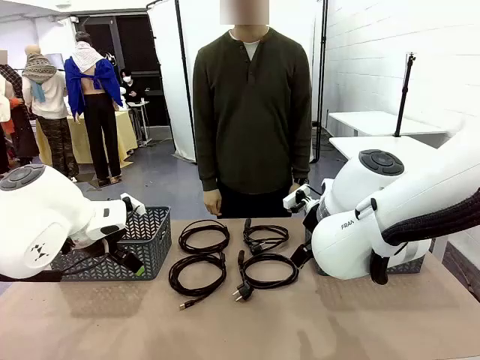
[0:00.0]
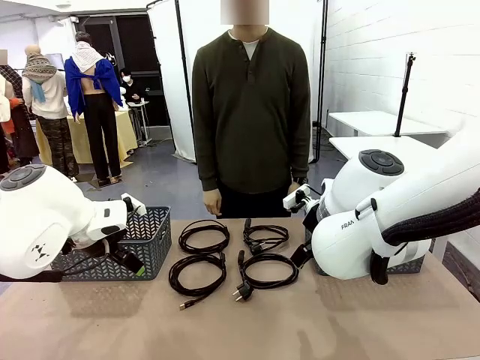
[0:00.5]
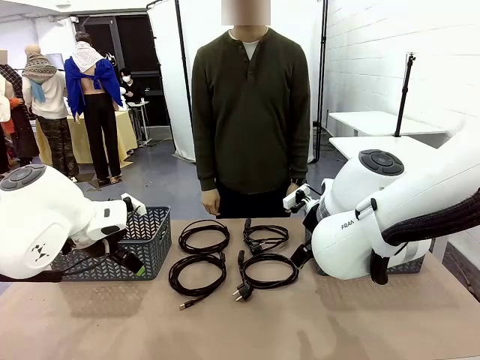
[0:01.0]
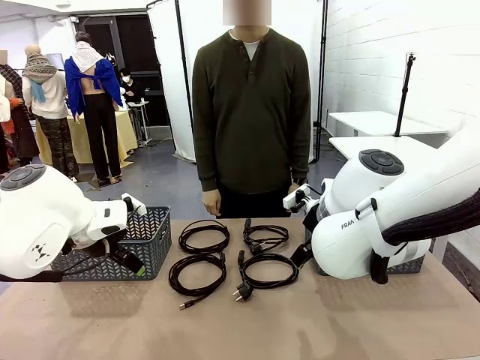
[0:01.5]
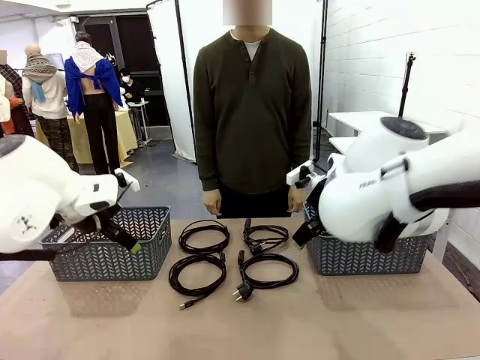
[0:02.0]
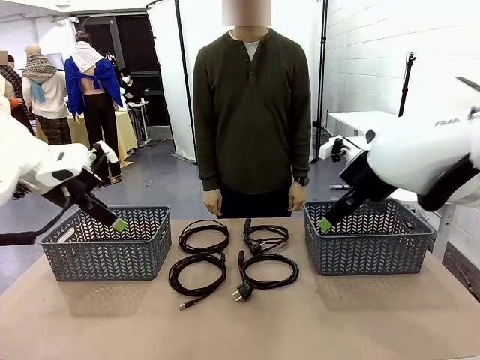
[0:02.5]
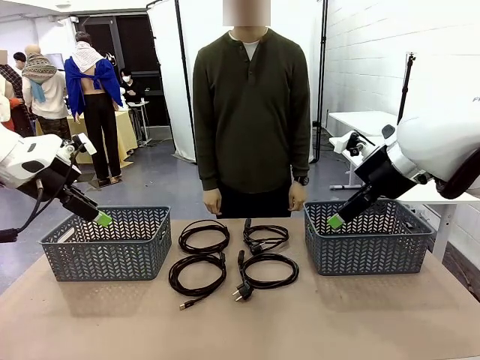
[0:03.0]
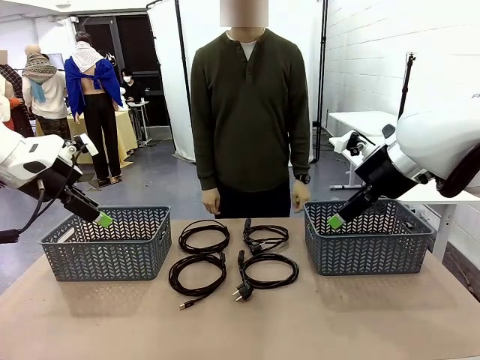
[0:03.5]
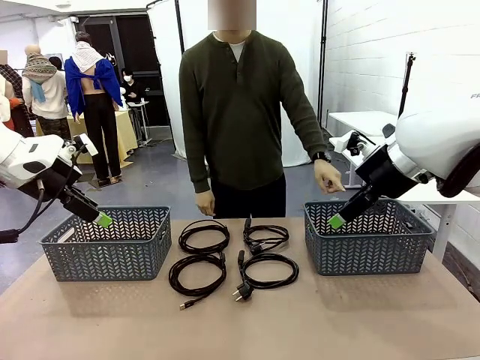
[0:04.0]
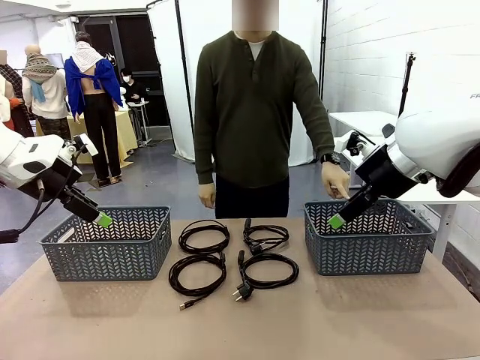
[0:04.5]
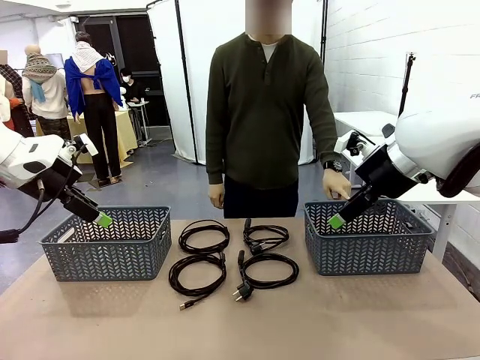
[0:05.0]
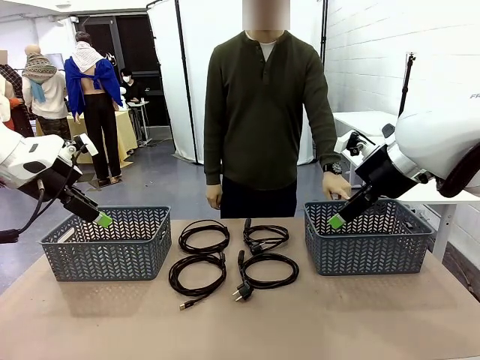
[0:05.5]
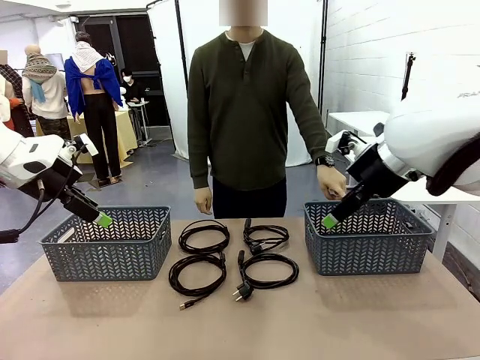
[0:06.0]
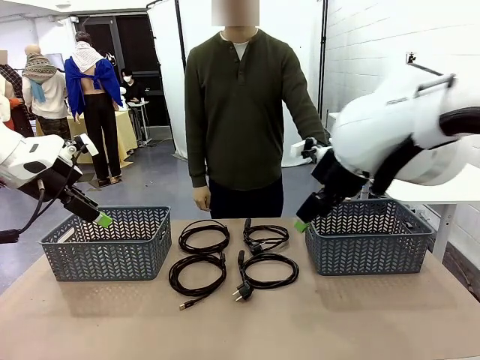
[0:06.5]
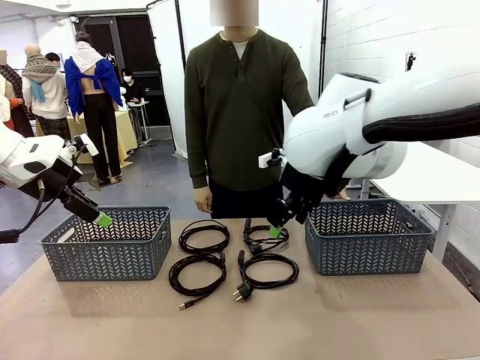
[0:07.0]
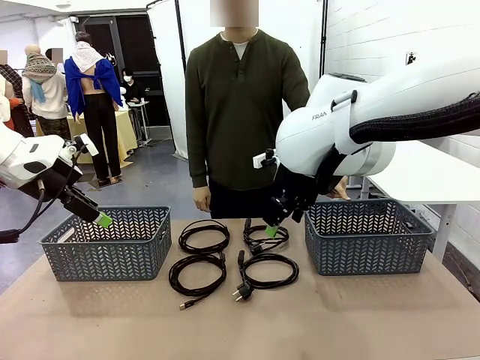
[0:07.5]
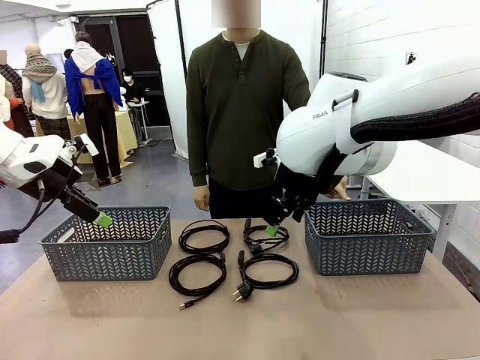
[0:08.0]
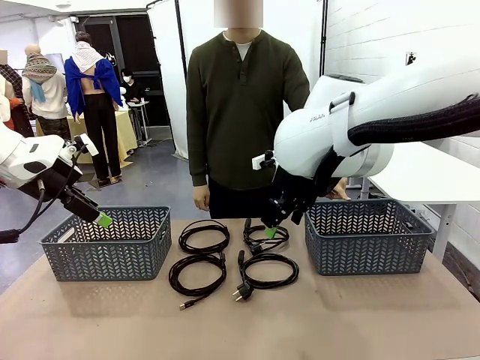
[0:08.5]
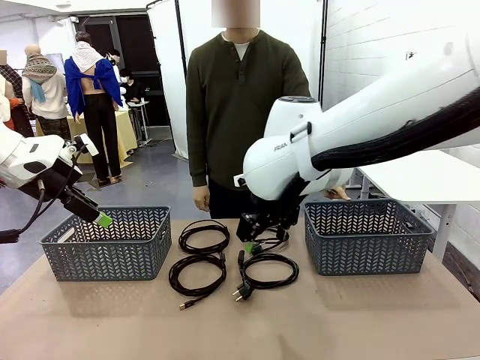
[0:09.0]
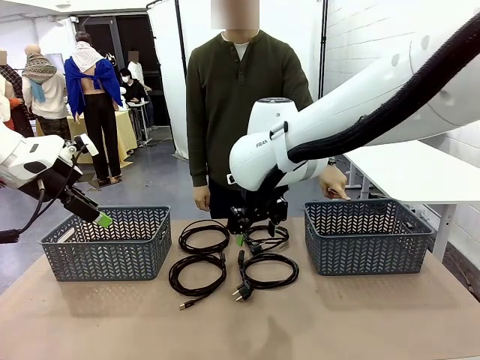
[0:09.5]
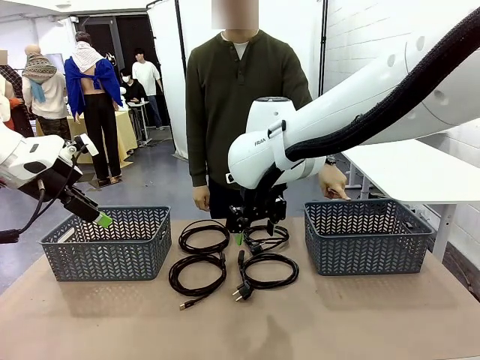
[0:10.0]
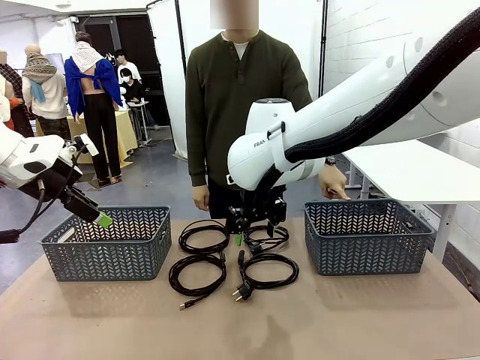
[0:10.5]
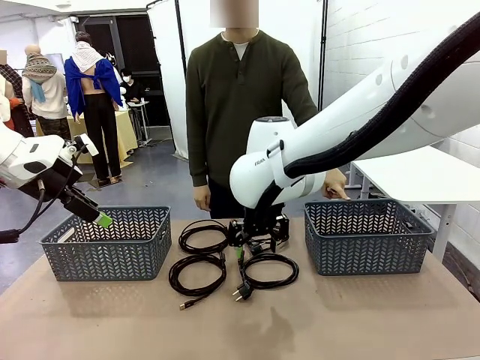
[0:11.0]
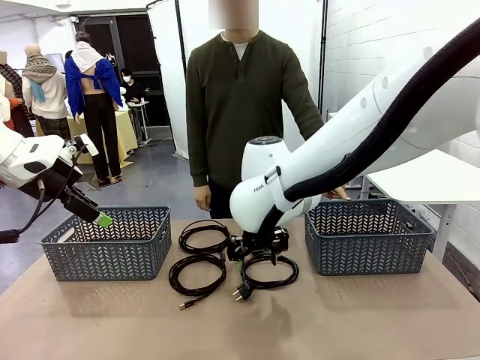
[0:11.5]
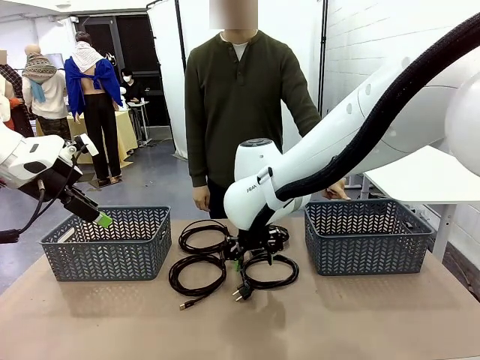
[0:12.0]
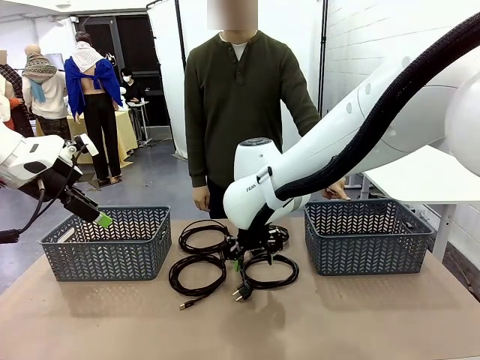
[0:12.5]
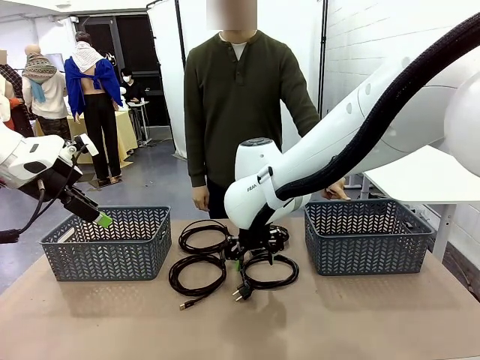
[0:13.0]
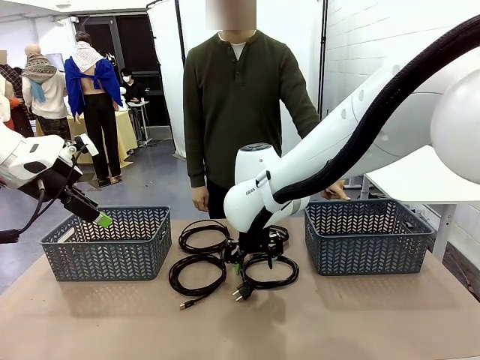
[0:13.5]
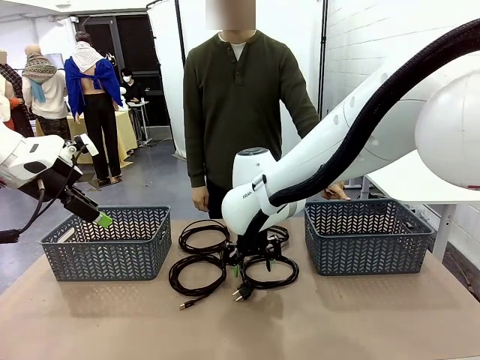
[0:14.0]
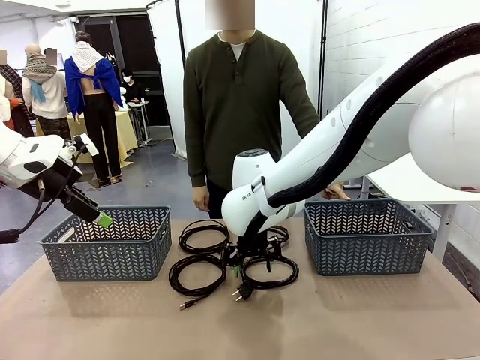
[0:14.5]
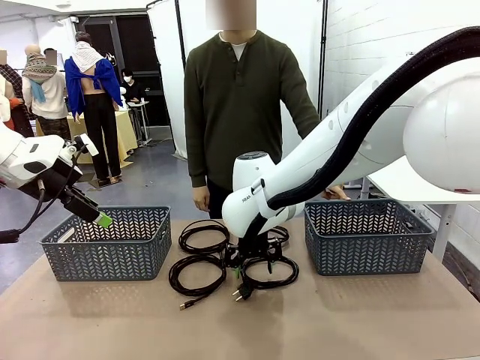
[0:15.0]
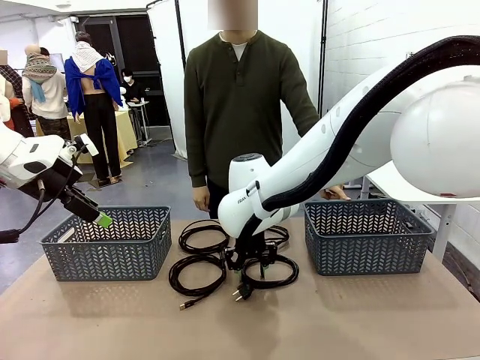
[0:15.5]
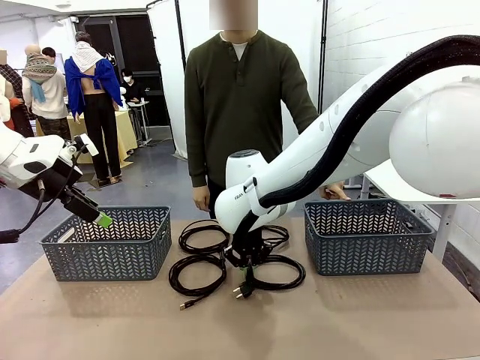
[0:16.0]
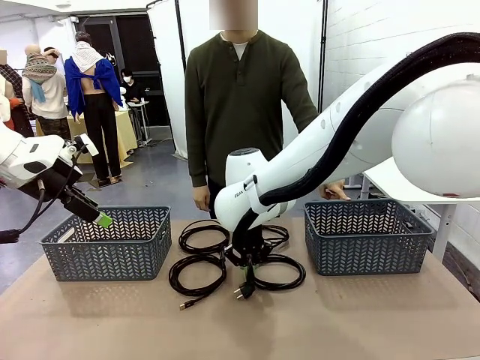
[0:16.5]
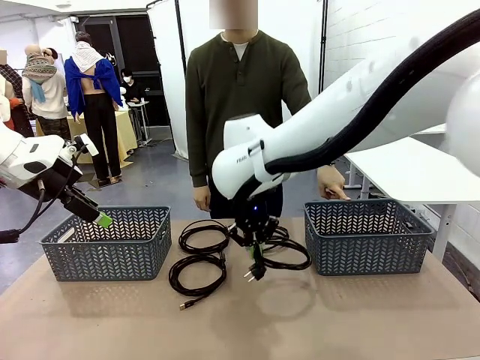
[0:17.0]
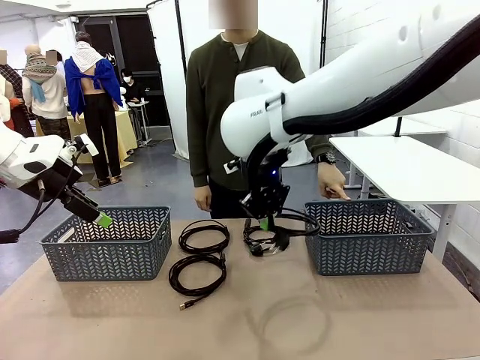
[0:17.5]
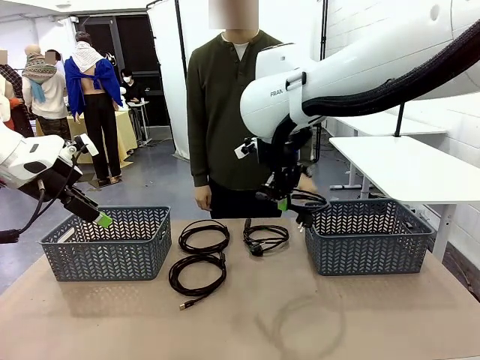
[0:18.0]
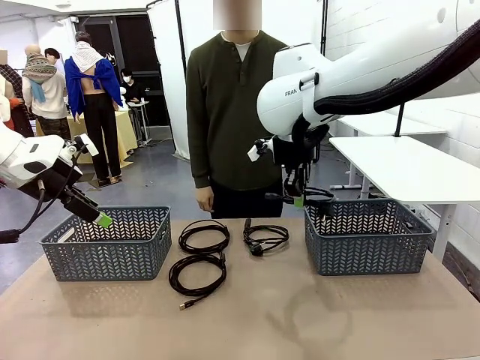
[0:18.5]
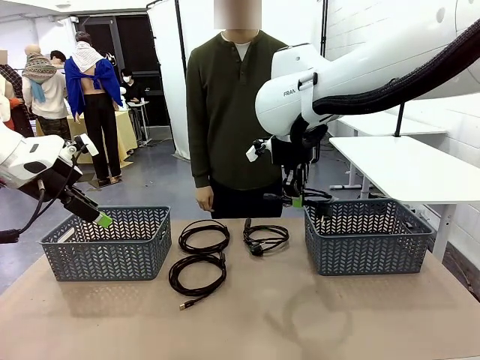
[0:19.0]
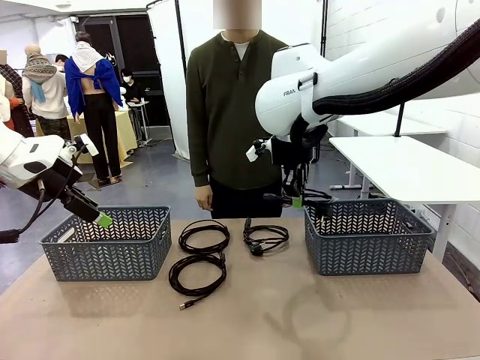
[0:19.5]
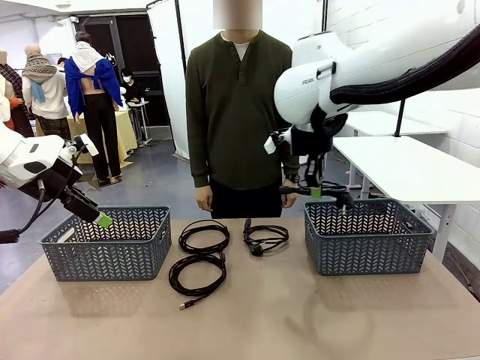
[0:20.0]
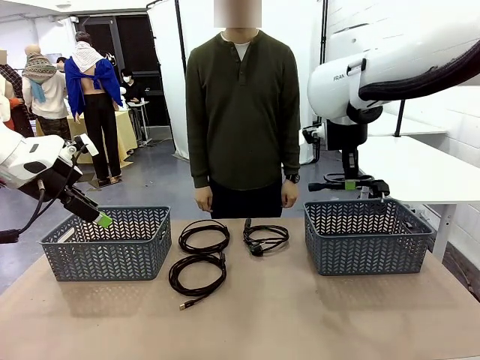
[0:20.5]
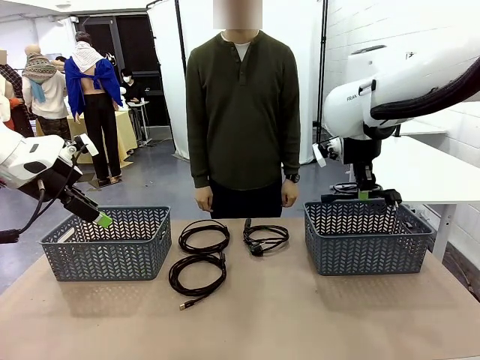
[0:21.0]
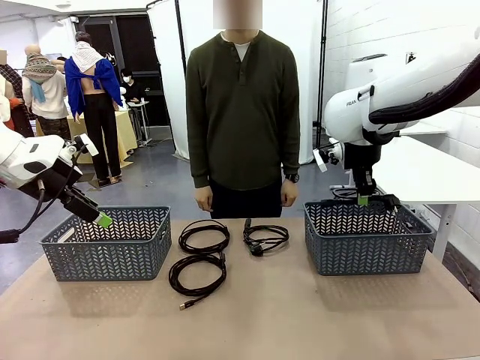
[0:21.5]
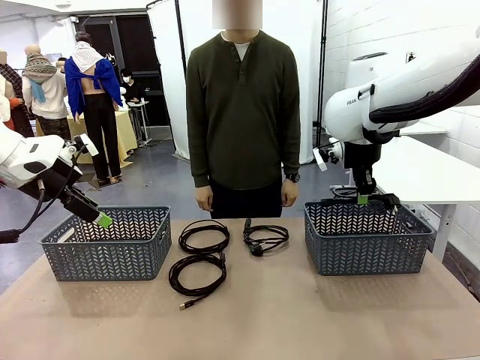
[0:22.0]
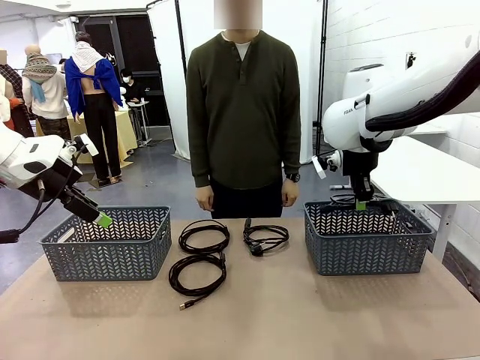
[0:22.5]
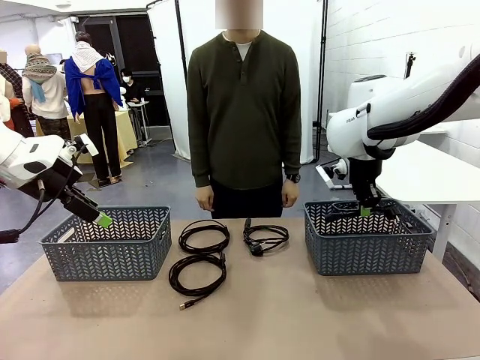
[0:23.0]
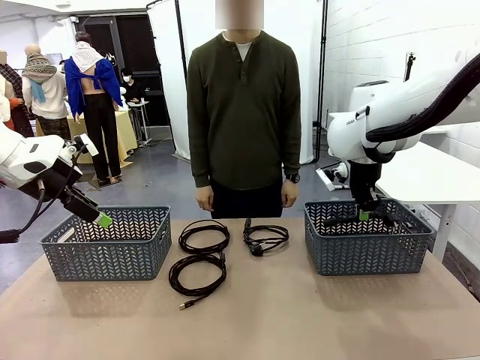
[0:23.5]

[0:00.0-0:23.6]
Task: Organize the cables according to human instructions.
Robot: Pick up a bundle of cables and place it in the basket indicated by the human.
